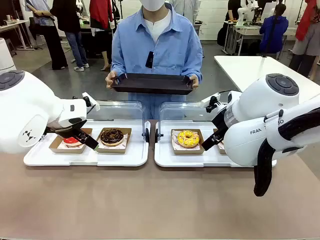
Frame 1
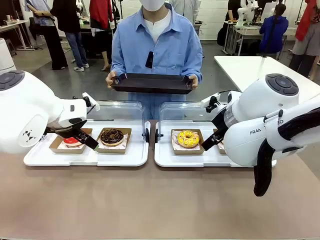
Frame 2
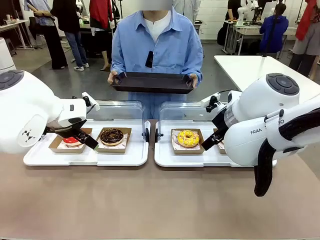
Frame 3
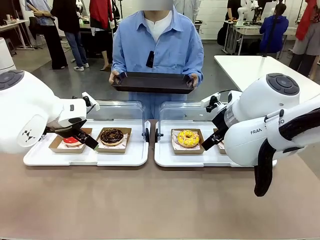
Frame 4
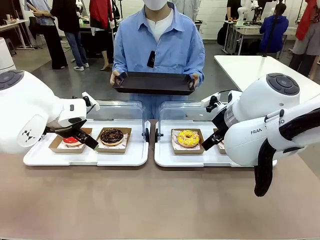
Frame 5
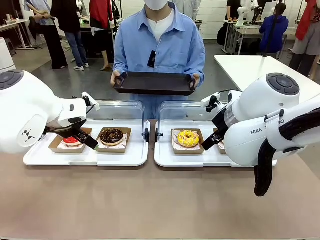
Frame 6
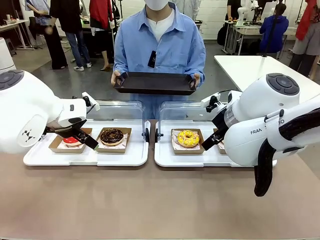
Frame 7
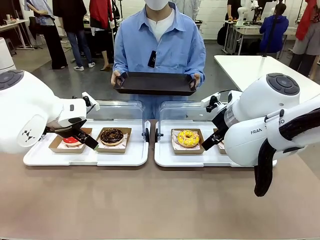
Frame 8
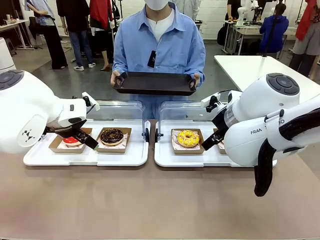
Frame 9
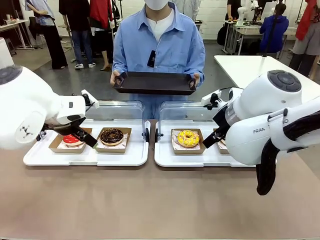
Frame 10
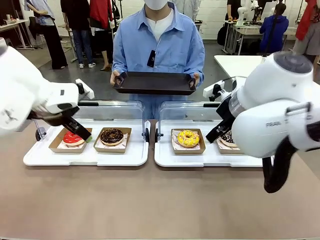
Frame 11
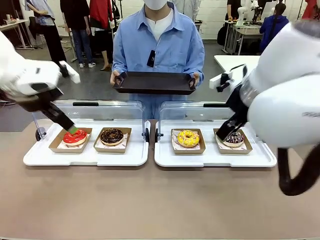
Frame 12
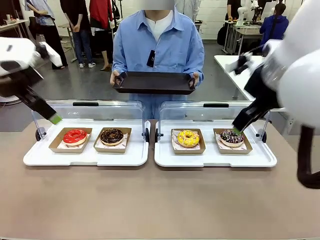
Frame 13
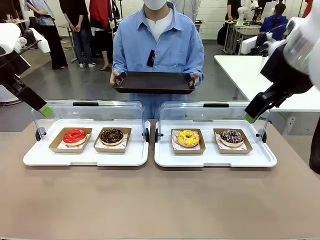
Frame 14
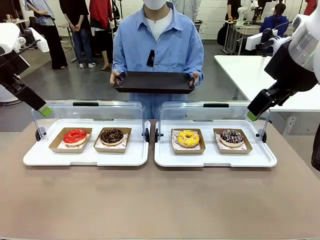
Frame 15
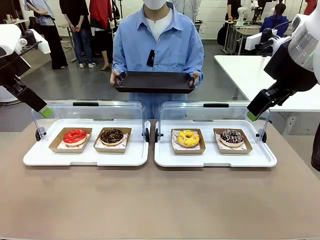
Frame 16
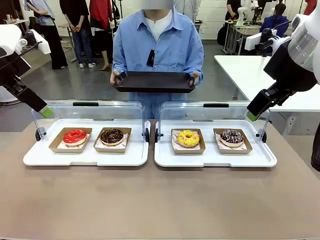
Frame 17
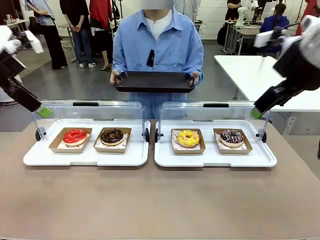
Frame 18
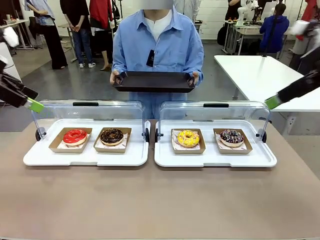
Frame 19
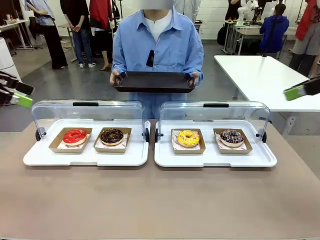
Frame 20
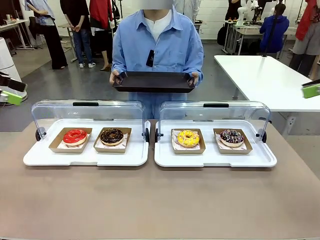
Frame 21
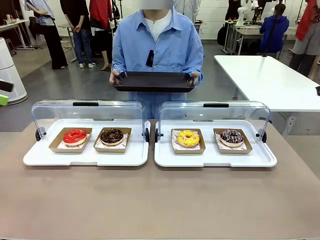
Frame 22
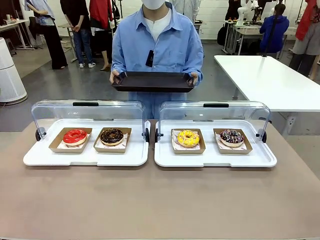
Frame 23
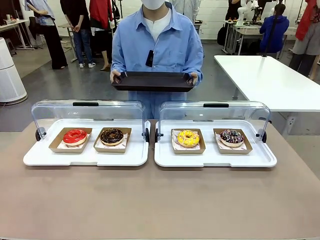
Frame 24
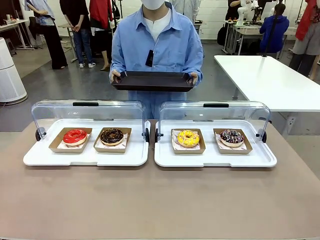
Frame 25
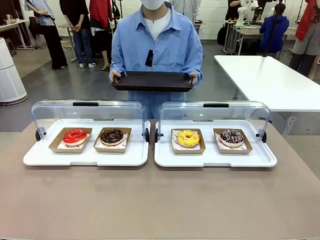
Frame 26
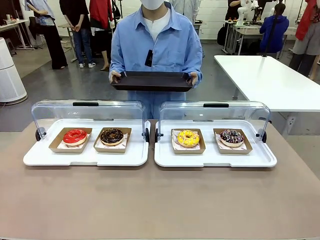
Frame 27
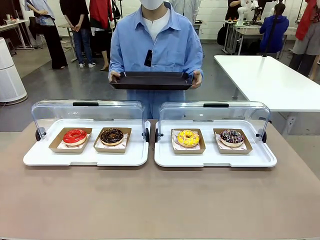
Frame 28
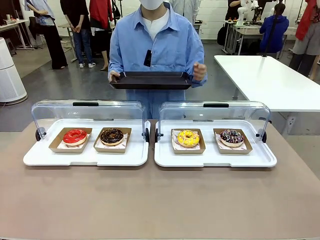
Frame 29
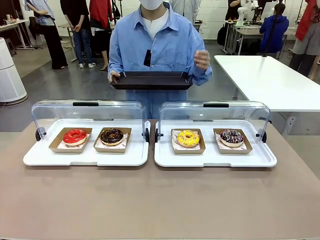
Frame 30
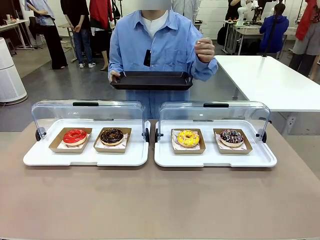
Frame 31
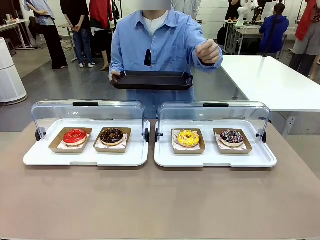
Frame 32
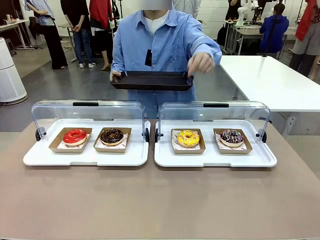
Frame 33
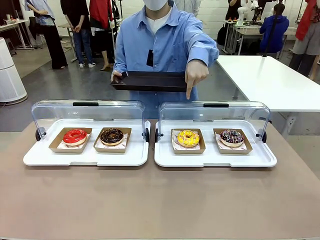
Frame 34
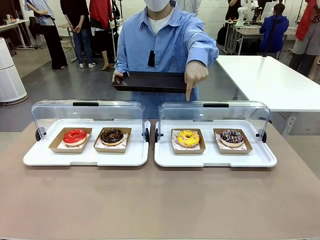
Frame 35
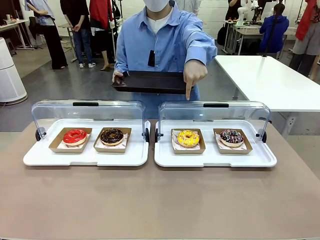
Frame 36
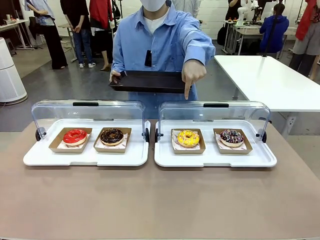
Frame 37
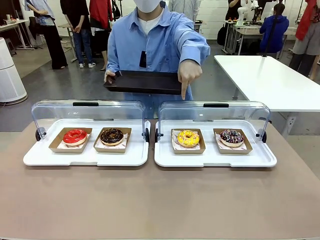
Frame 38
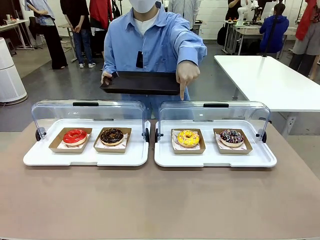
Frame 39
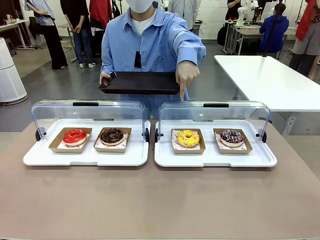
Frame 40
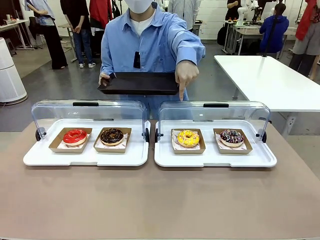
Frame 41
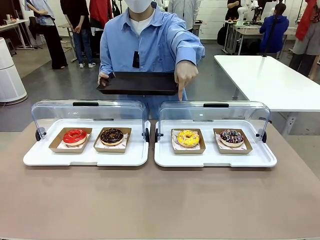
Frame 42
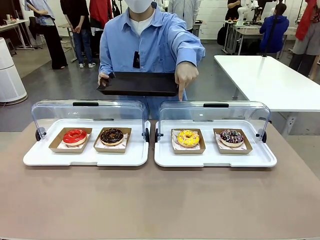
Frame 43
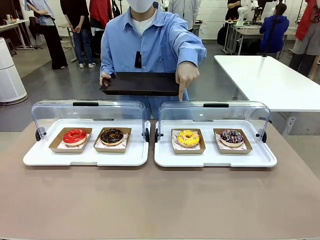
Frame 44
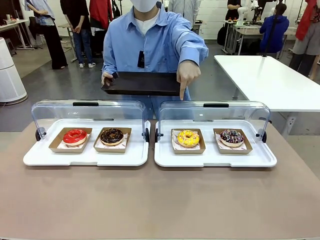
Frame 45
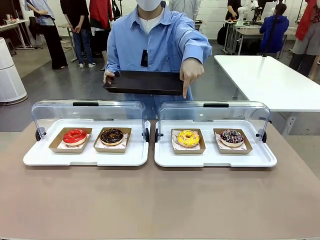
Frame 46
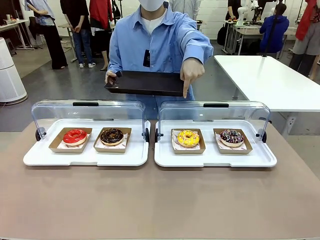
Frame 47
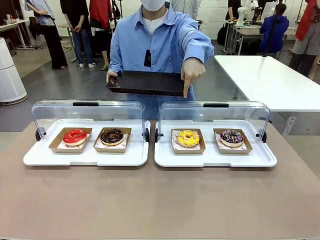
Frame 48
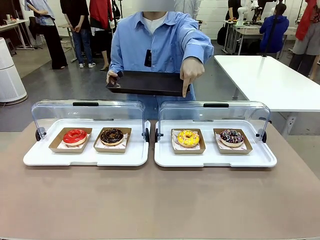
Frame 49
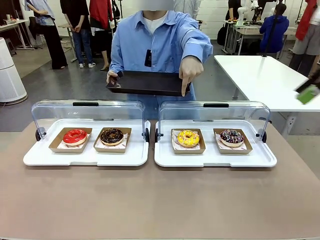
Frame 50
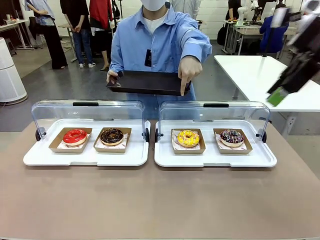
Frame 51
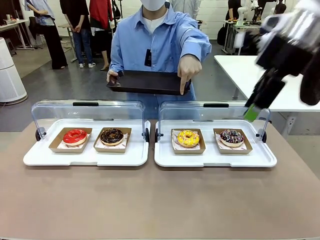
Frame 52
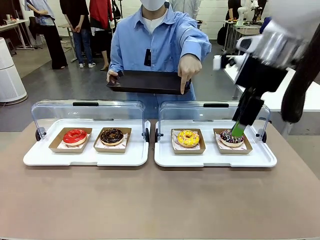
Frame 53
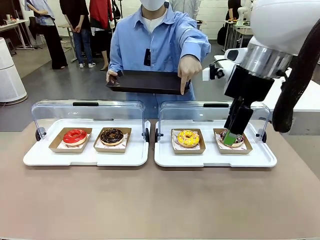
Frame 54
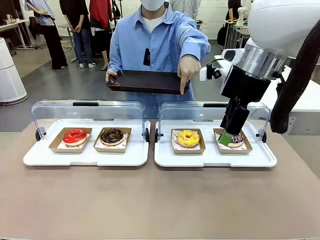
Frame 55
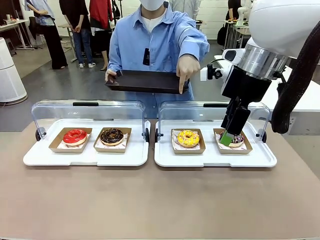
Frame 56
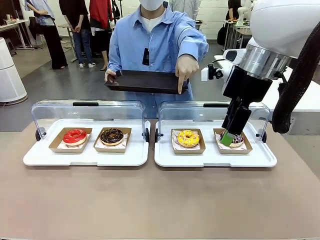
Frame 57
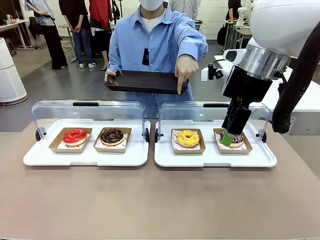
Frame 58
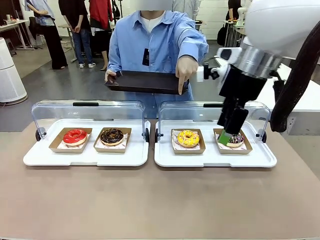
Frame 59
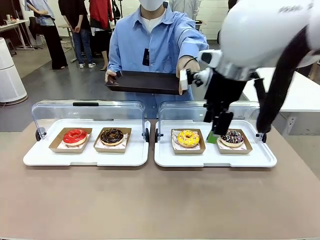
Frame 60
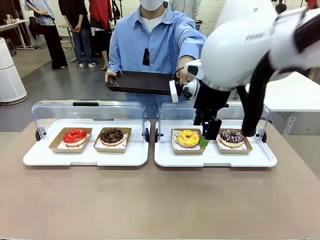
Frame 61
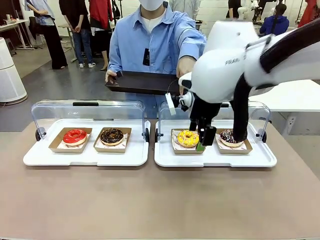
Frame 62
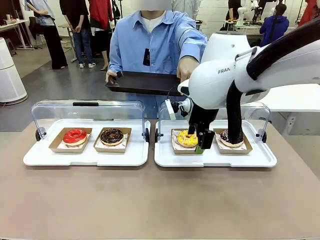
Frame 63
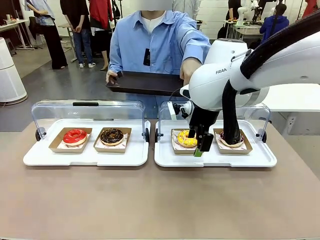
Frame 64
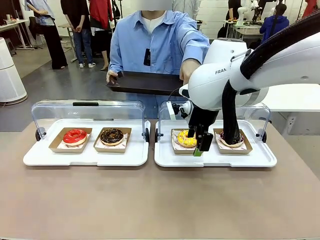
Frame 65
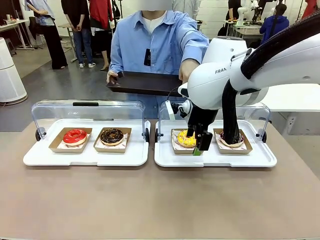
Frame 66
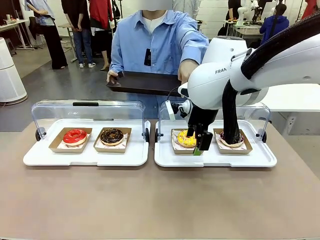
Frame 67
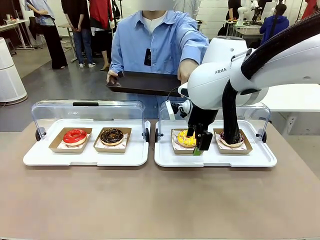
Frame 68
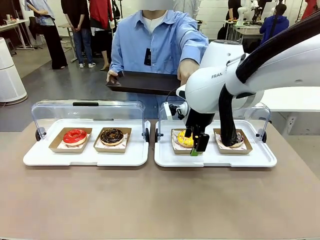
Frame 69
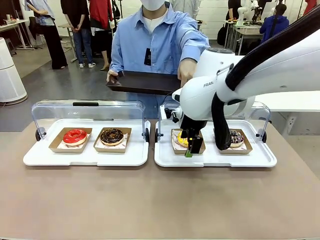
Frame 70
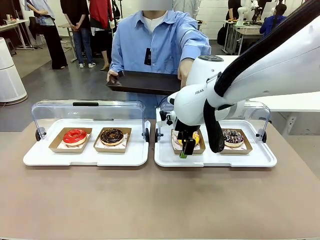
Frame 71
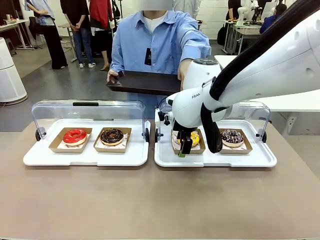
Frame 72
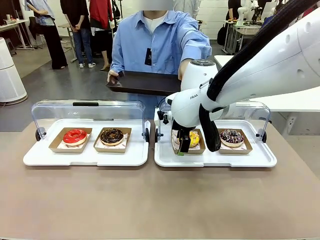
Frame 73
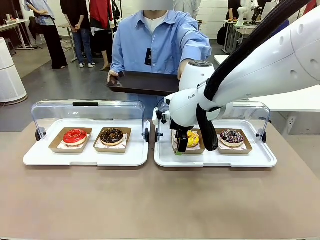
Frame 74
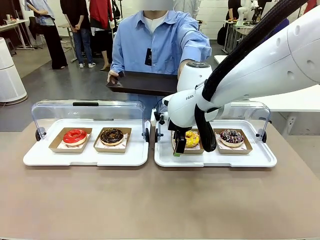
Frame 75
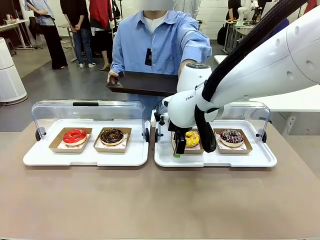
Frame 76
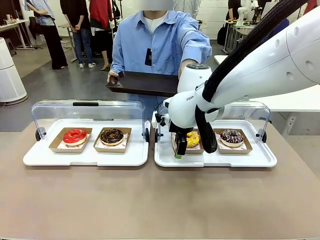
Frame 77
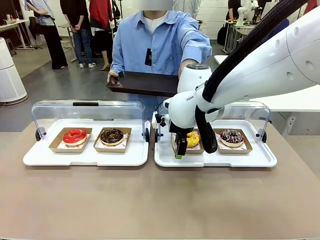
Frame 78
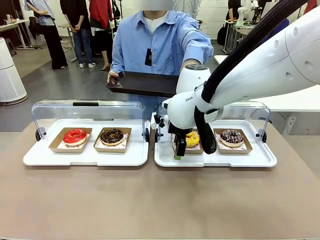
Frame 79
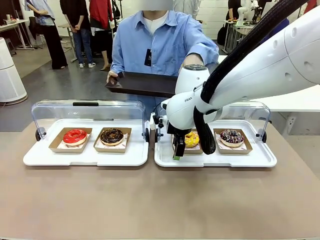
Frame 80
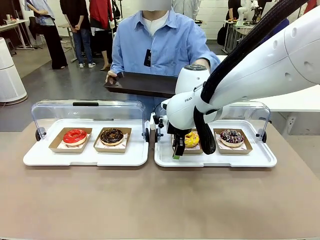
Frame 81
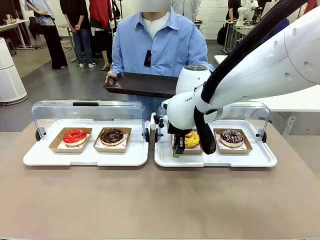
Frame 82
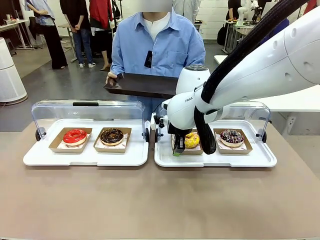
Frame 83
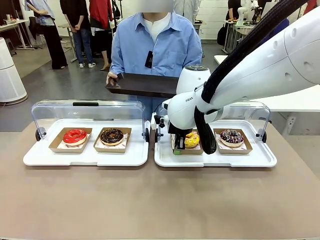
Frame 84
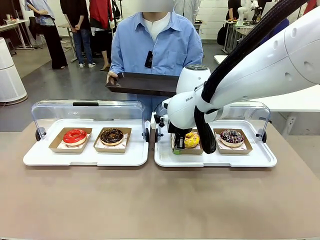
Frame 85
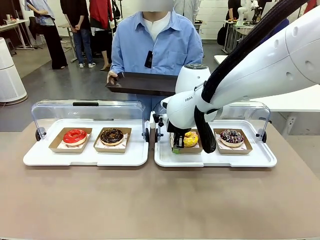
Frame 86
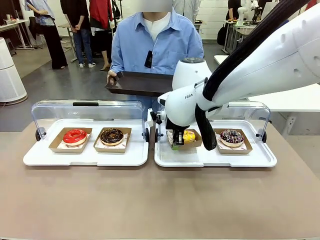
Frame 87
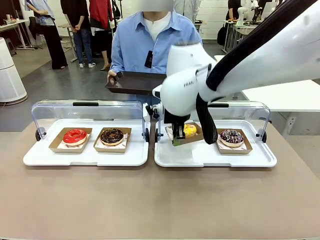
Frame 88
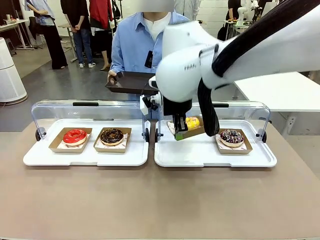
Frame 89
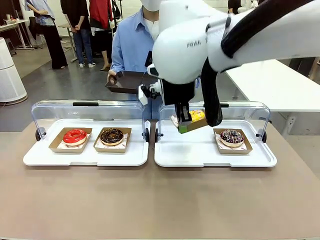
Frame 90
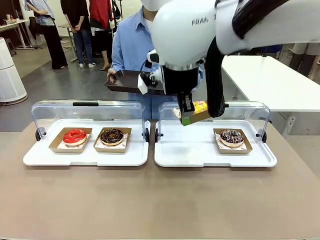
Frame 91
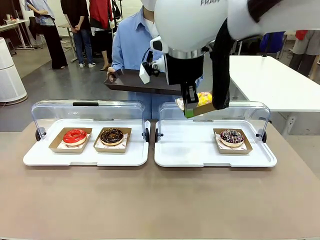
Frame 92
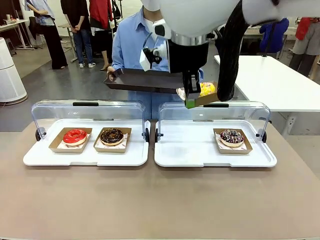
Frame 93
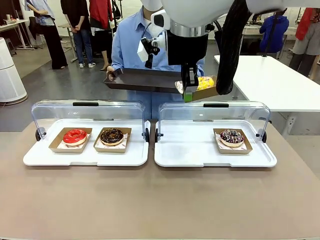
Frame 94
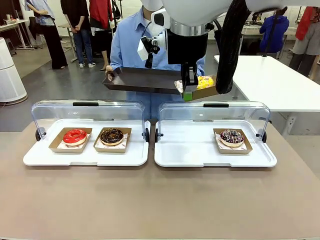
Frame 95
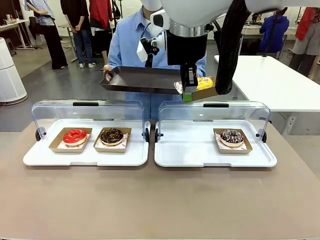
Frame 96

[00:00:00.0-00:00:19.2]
Task: Provide the desired donut to the person.
Robot: Pick up and lift the Paper togo box containing the Donut pointed at by the person.
Person: Point to one donut. Lift the tray onto the Roll-Top Bakery Case.
